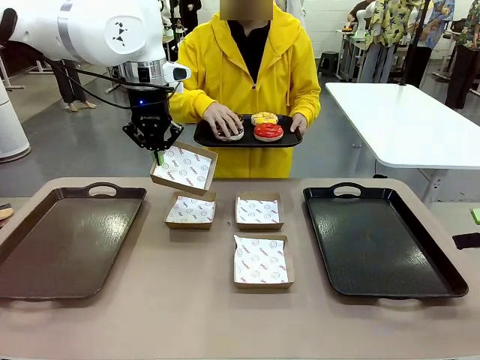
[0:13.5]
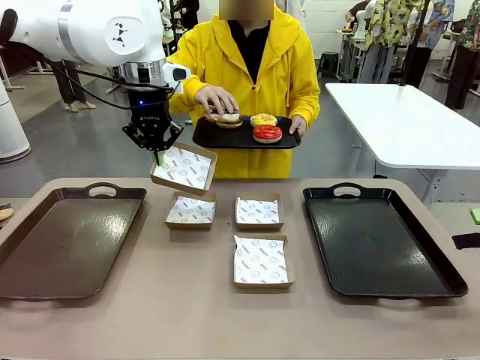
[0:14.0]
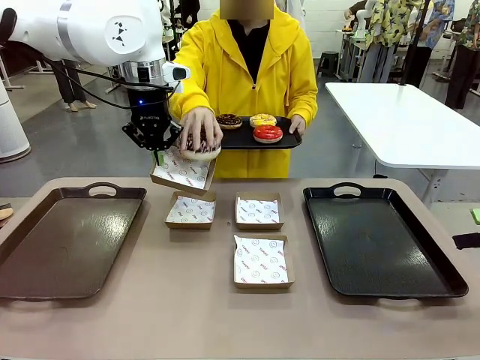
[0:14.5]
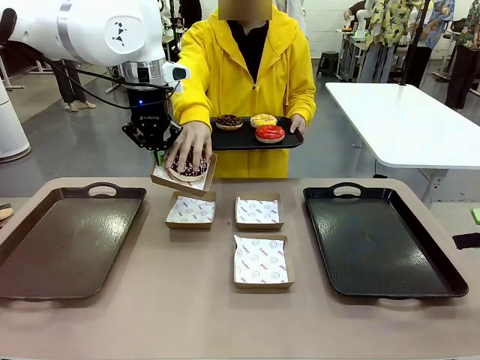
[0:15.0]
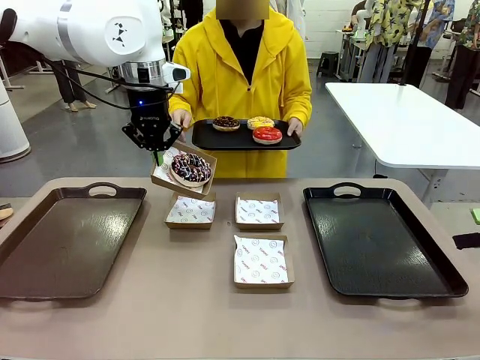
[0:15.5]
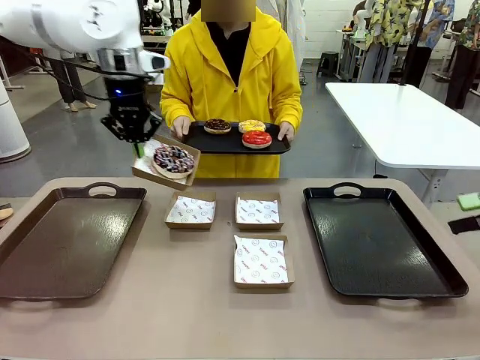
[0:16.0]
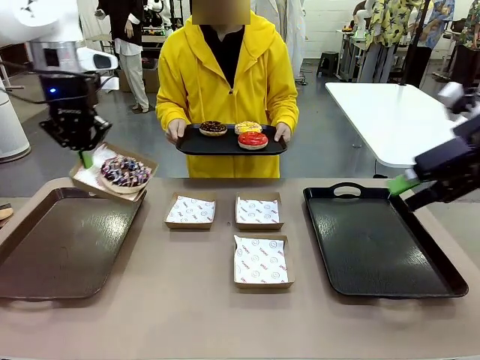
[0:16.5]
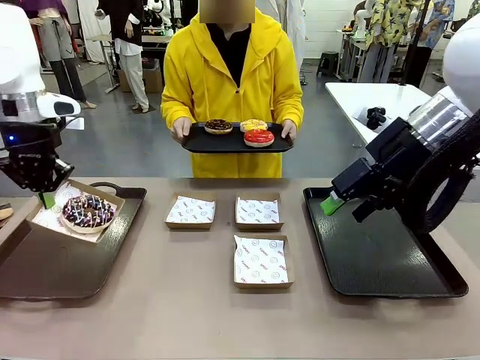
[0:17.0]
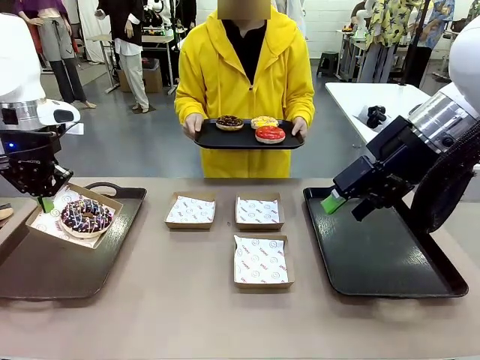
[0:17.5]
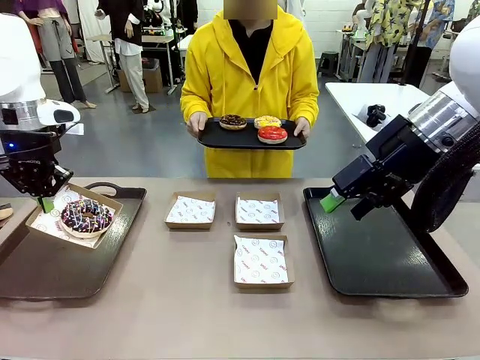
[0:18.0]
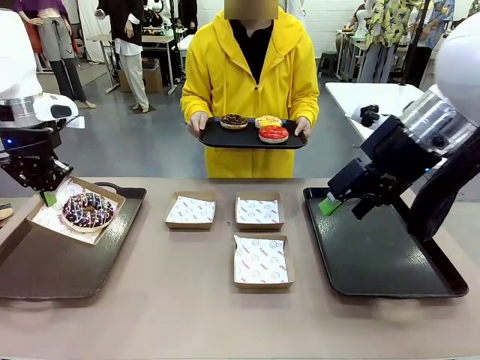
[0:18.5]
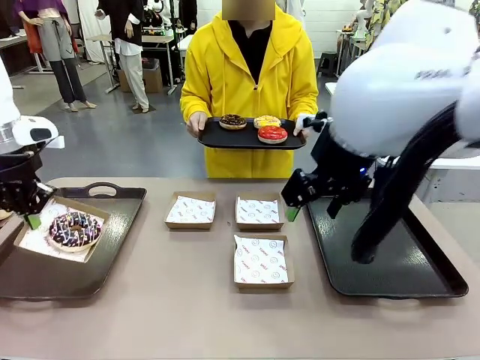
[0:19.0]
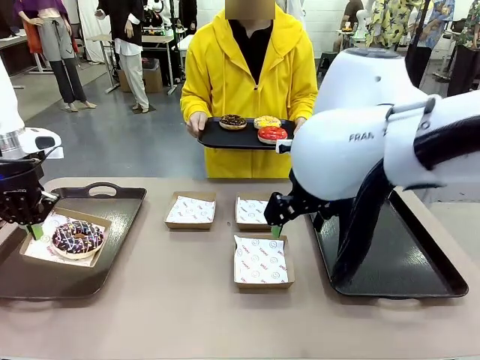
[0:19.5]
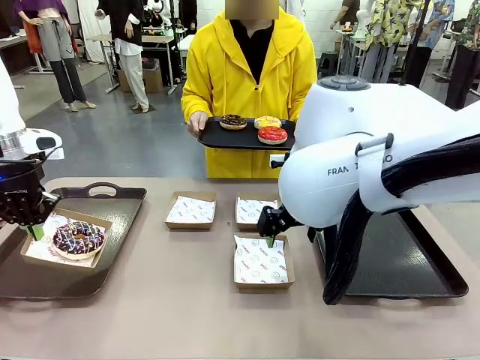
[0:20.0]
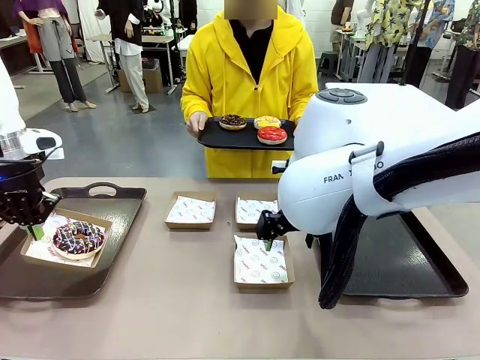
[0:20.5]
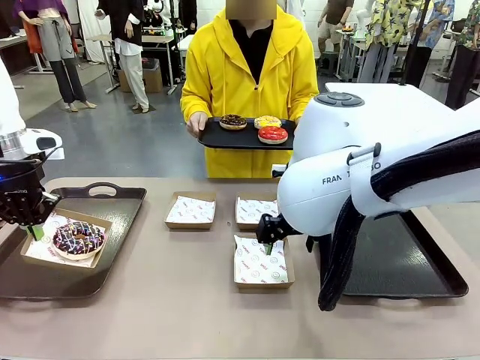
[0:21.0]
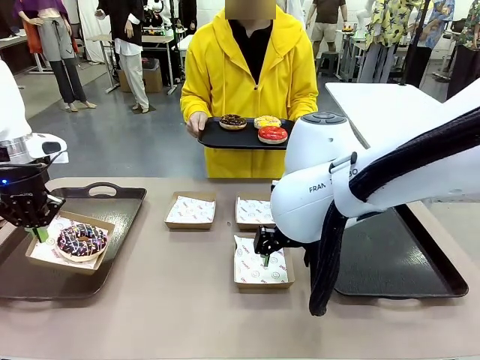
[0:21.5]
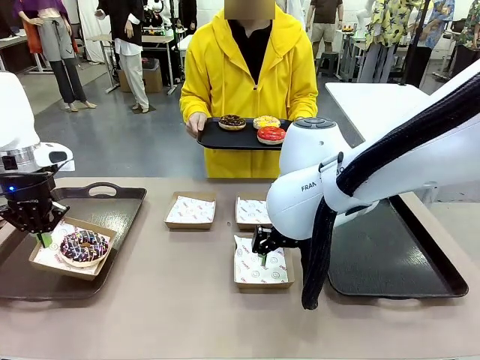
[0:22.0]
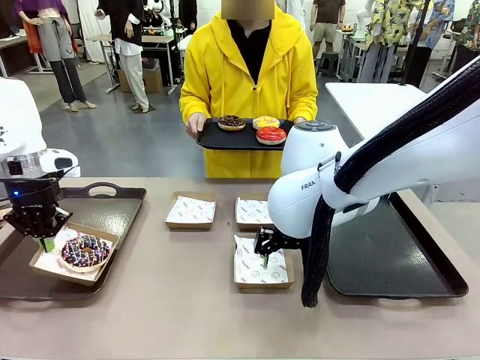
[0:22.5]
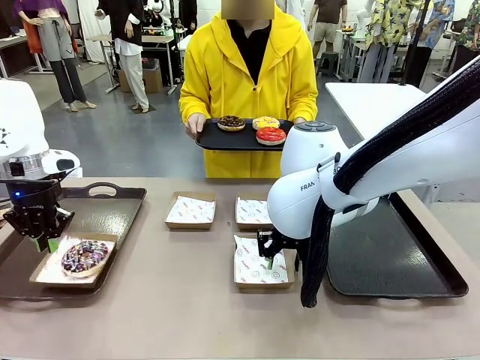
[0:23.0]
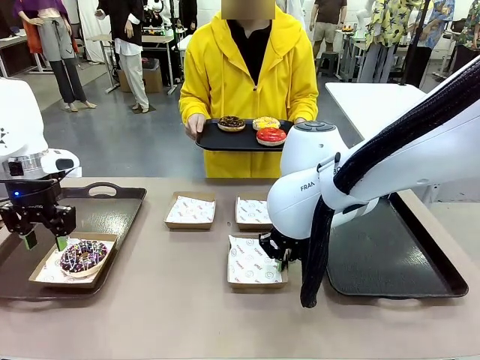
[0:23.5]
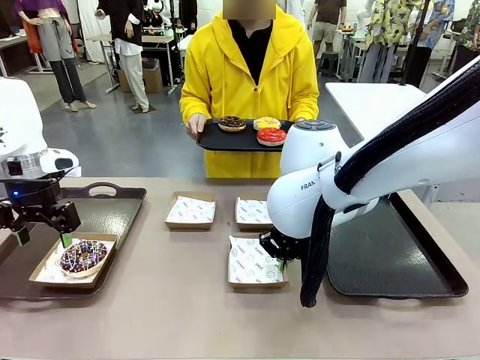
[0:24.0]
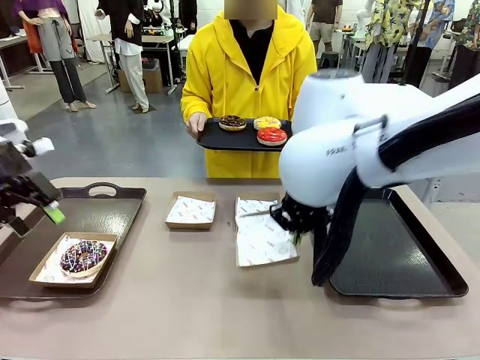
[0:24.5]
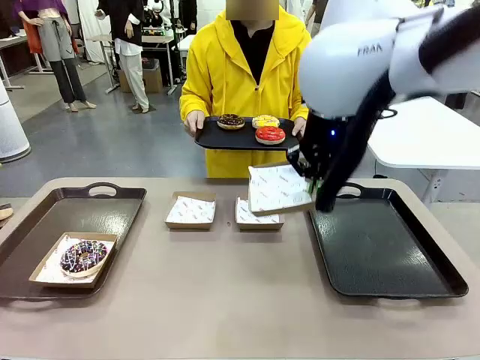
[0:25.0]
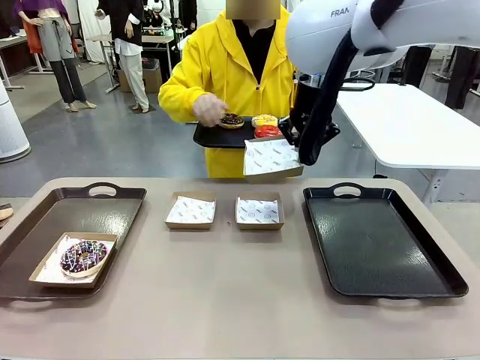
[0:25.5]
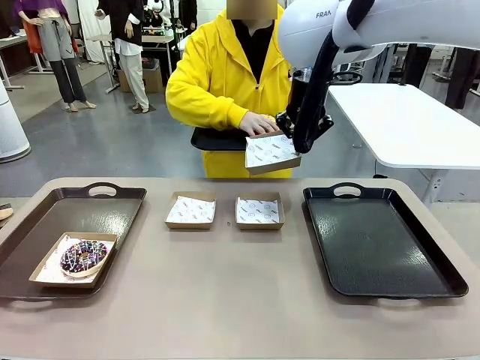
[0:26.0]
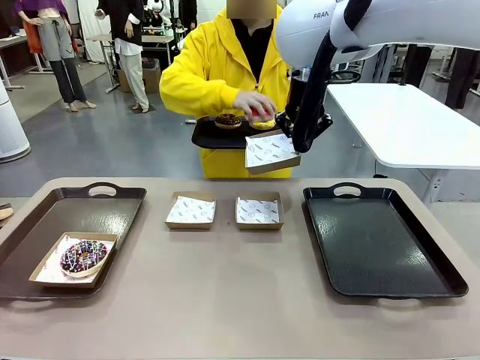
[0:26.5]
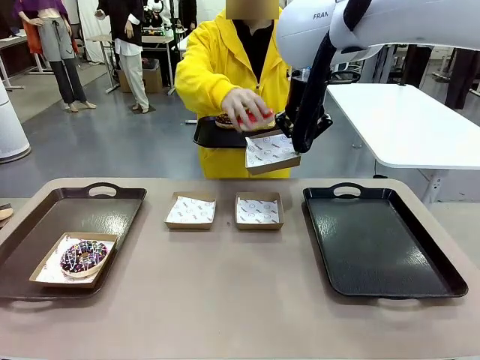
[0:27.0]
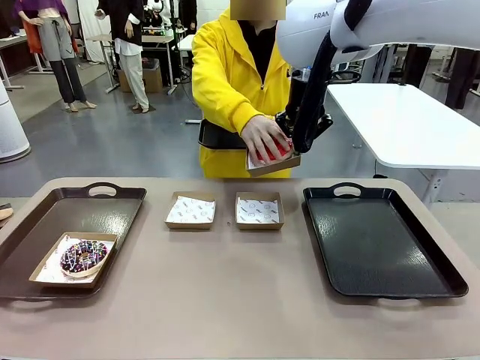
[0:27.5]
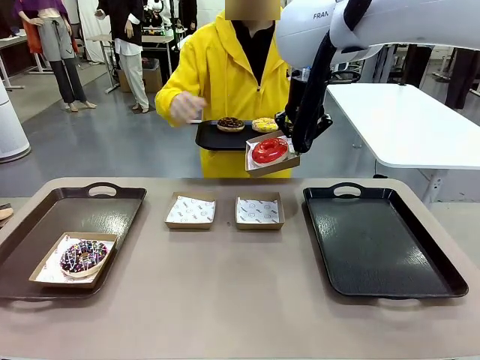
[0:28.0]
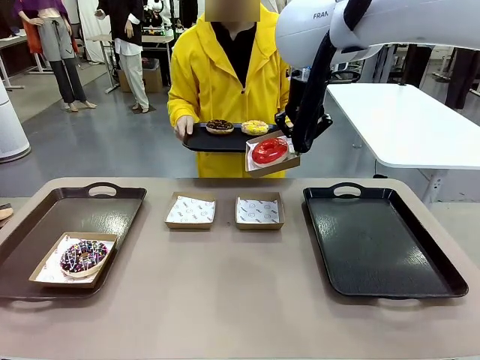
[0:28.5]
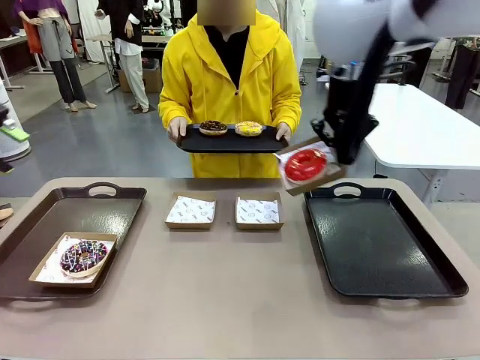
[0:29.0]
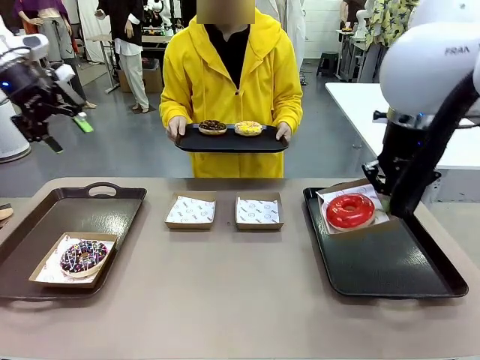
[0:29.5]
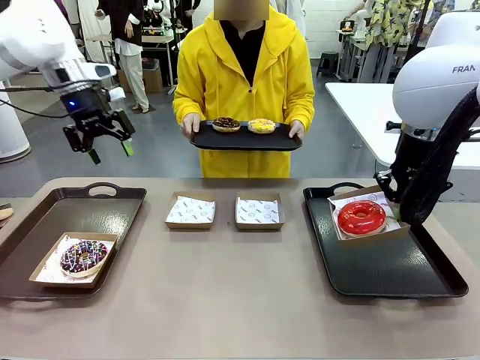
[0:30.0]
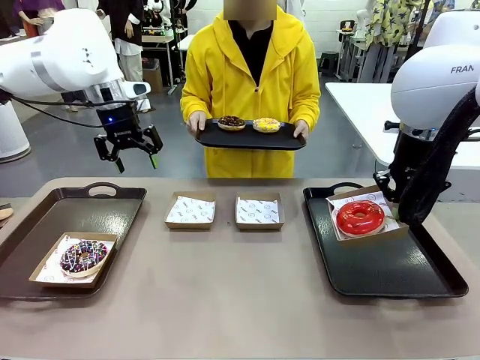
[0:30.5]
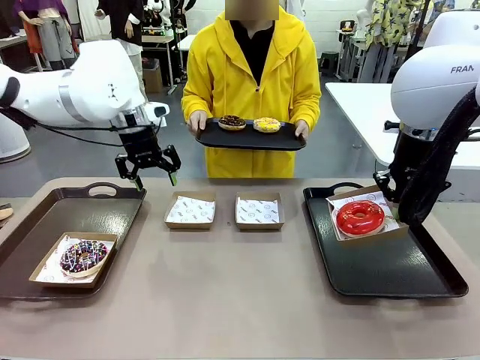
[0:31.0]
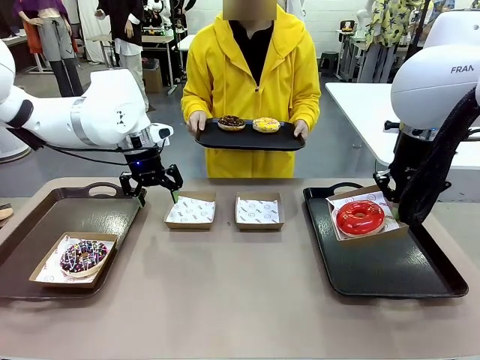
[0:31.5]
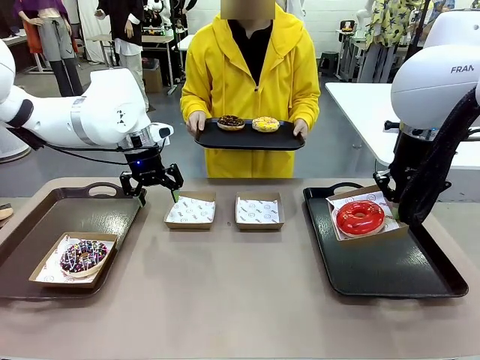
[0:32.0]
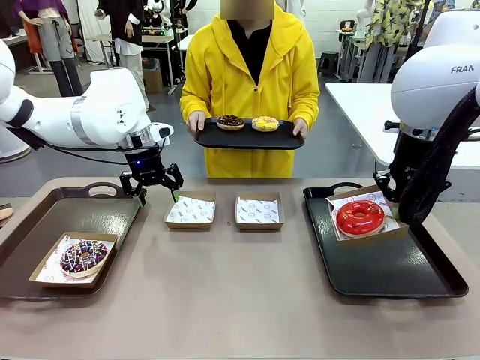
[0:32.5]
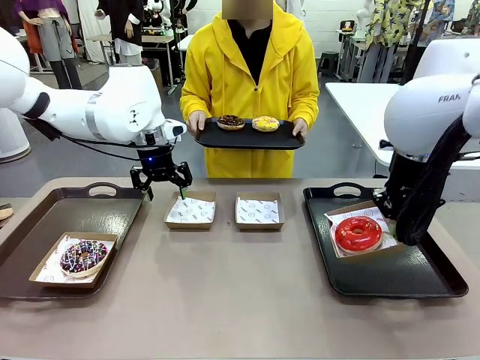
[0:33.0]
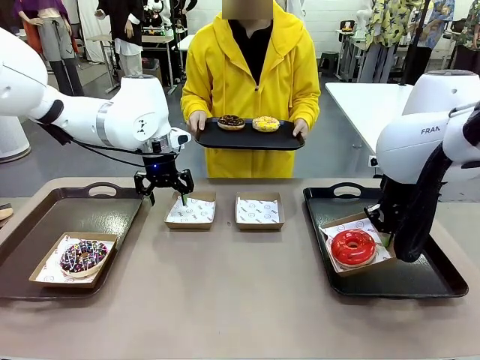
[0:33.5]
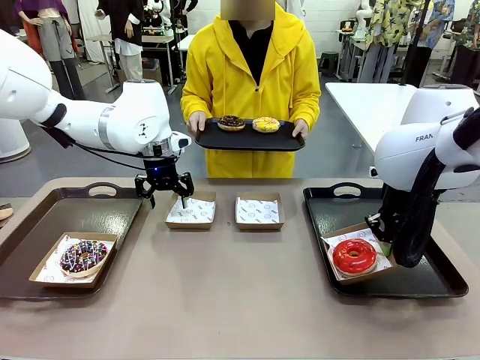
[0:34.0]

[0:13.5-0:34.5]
Task: Individually package the donuts and arrange them on the tray.
Robot: Place the picked Paper togo box on the Handle tray while simultaneously picking up another Paper togo box from the table with the other hand.
